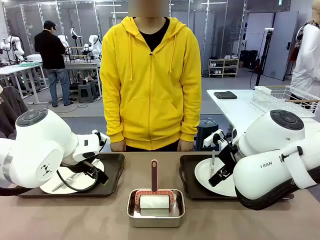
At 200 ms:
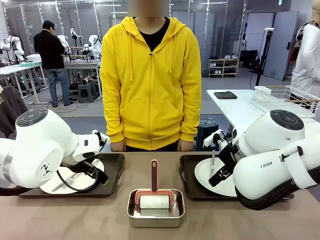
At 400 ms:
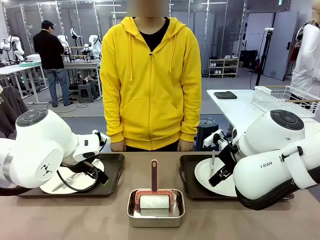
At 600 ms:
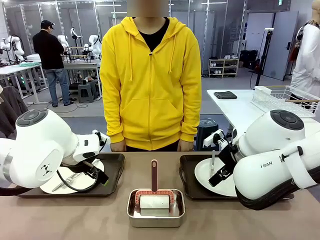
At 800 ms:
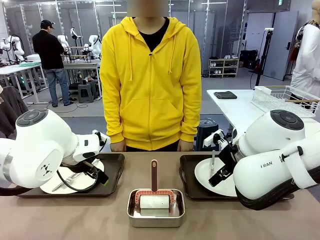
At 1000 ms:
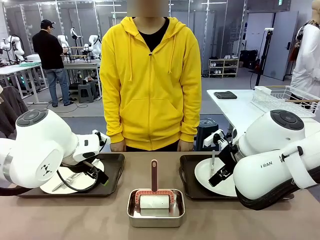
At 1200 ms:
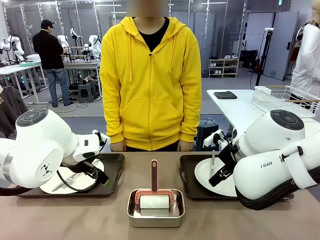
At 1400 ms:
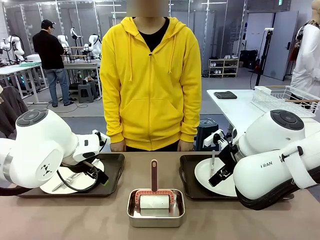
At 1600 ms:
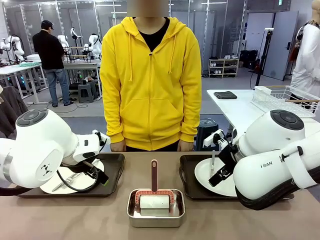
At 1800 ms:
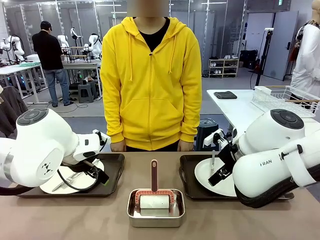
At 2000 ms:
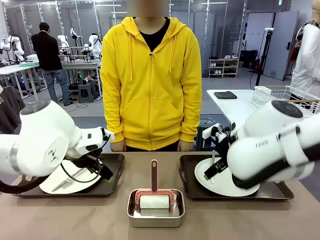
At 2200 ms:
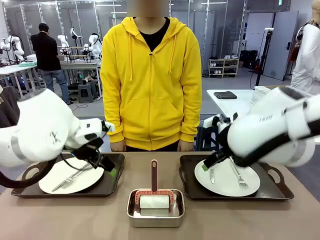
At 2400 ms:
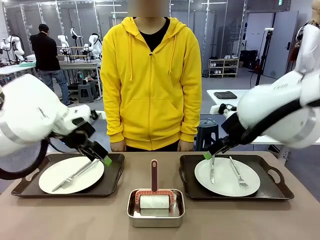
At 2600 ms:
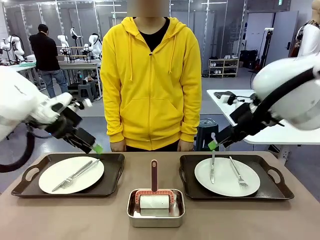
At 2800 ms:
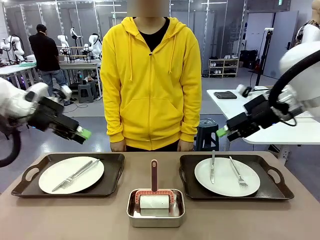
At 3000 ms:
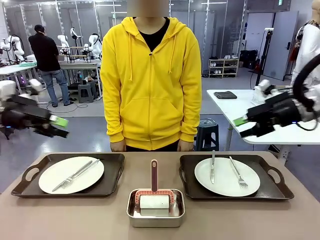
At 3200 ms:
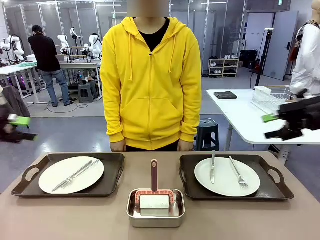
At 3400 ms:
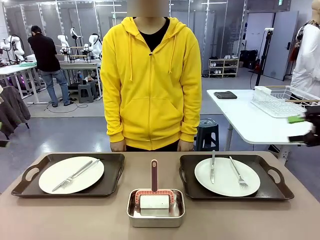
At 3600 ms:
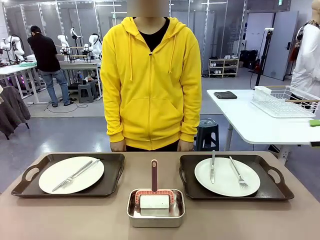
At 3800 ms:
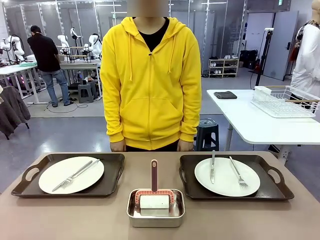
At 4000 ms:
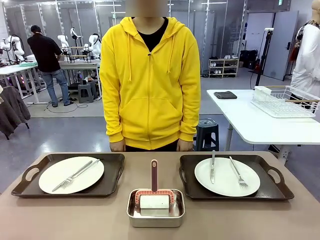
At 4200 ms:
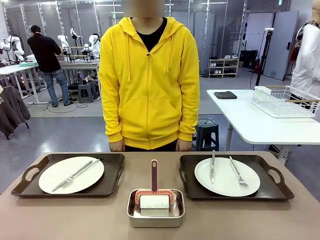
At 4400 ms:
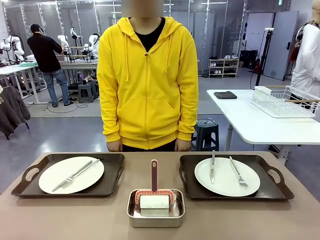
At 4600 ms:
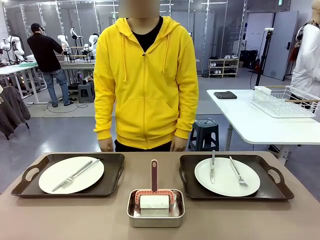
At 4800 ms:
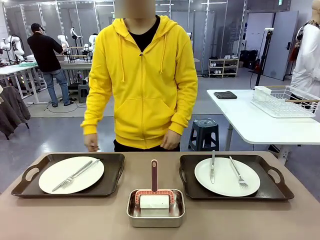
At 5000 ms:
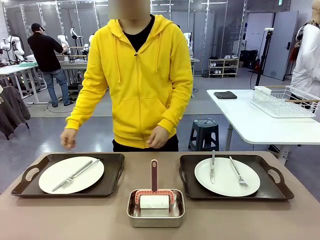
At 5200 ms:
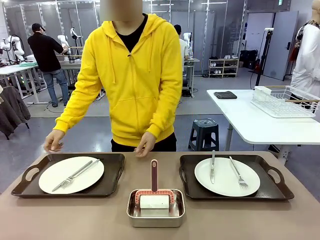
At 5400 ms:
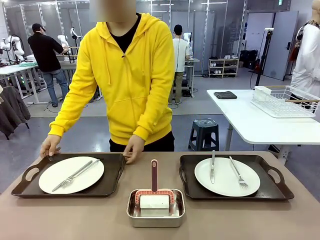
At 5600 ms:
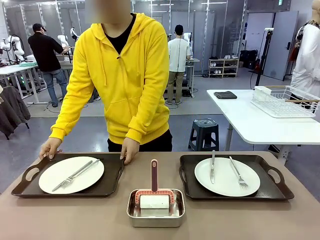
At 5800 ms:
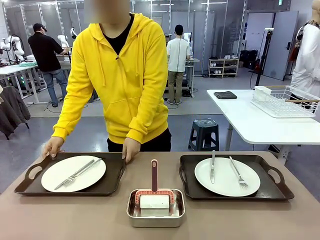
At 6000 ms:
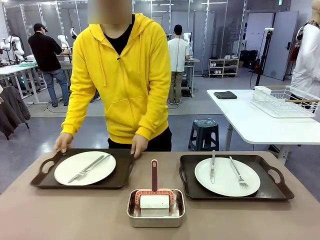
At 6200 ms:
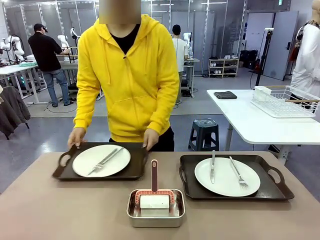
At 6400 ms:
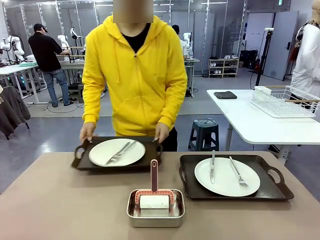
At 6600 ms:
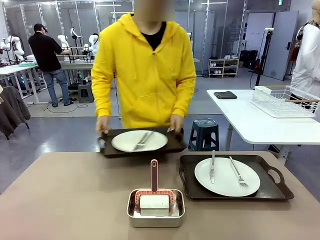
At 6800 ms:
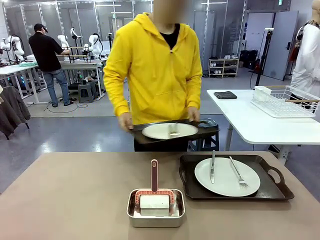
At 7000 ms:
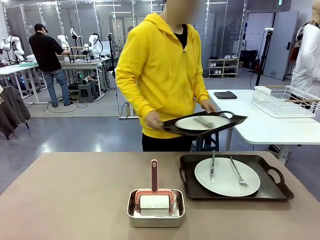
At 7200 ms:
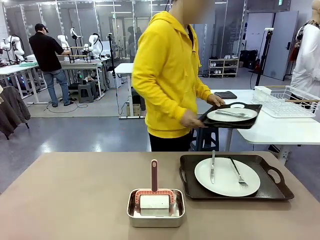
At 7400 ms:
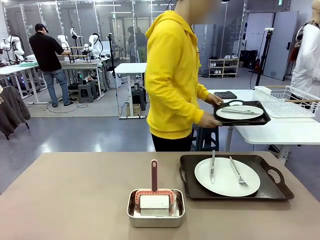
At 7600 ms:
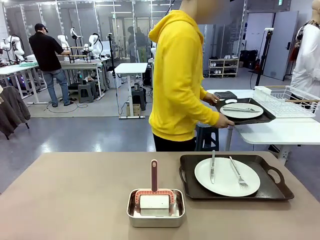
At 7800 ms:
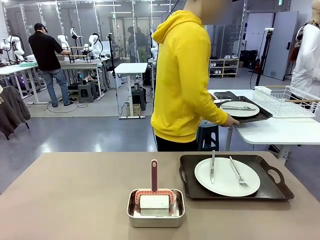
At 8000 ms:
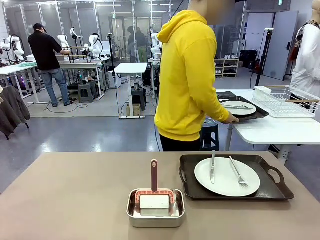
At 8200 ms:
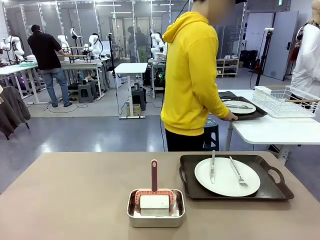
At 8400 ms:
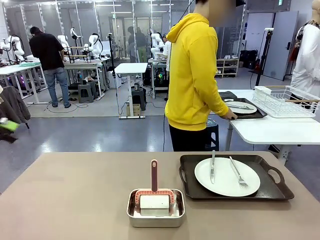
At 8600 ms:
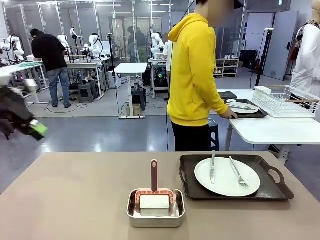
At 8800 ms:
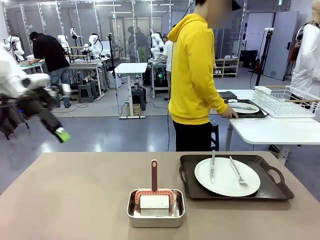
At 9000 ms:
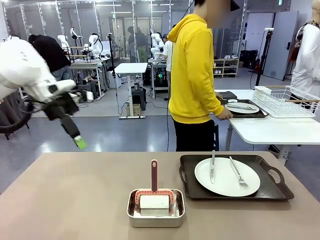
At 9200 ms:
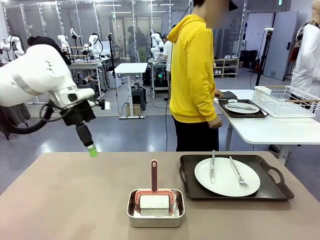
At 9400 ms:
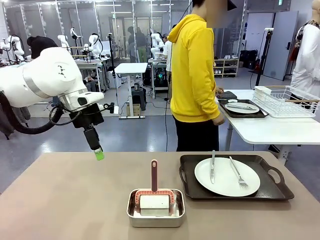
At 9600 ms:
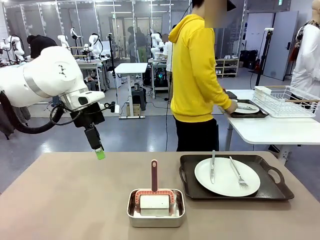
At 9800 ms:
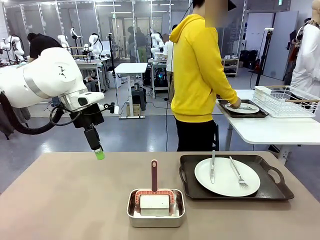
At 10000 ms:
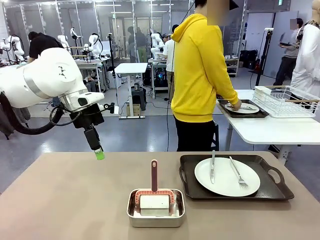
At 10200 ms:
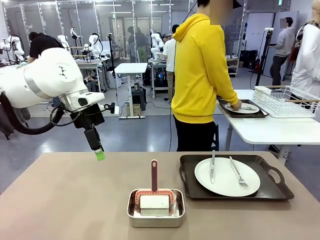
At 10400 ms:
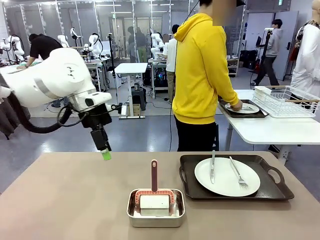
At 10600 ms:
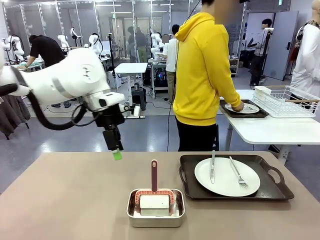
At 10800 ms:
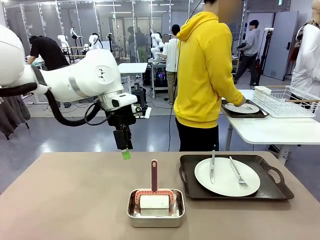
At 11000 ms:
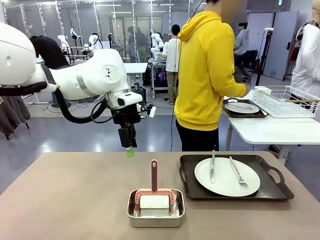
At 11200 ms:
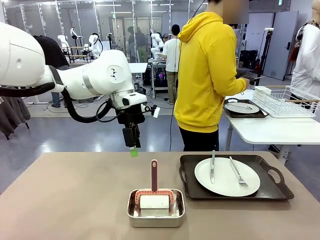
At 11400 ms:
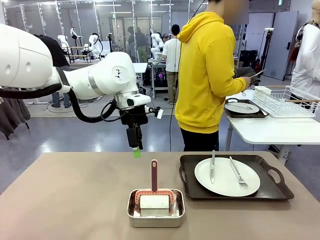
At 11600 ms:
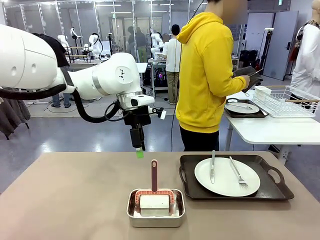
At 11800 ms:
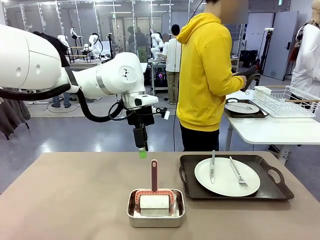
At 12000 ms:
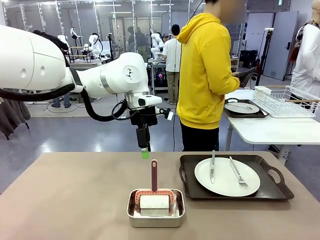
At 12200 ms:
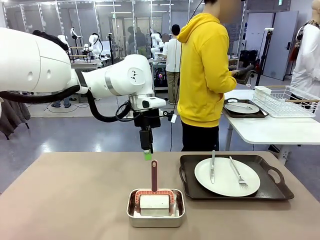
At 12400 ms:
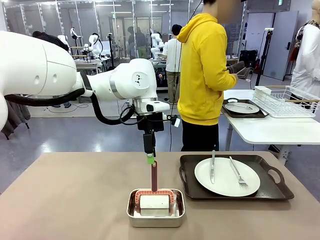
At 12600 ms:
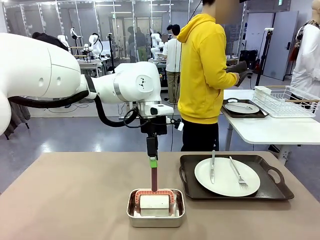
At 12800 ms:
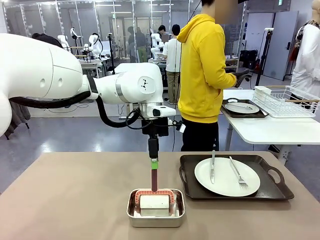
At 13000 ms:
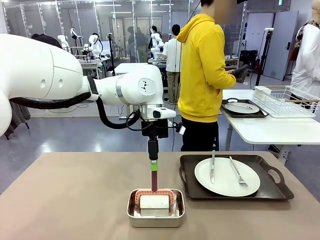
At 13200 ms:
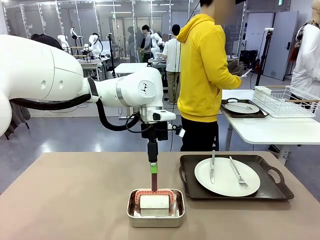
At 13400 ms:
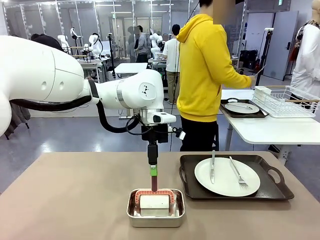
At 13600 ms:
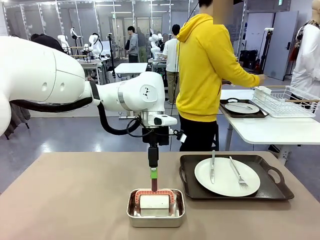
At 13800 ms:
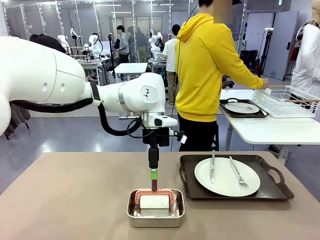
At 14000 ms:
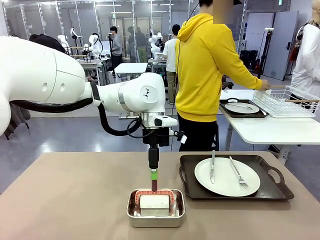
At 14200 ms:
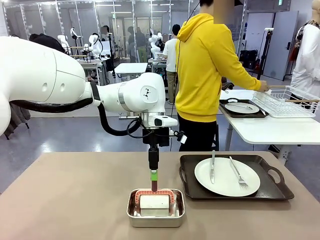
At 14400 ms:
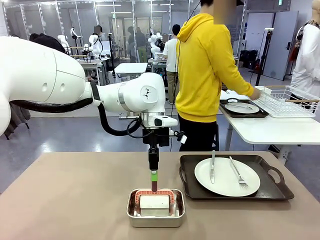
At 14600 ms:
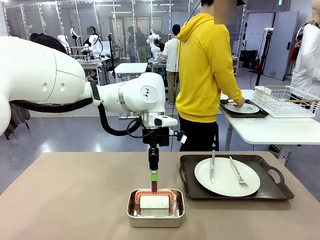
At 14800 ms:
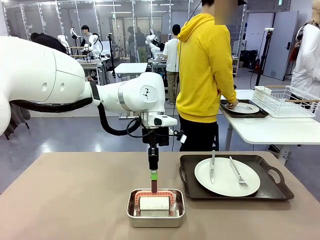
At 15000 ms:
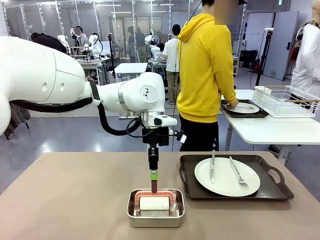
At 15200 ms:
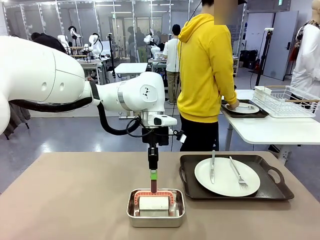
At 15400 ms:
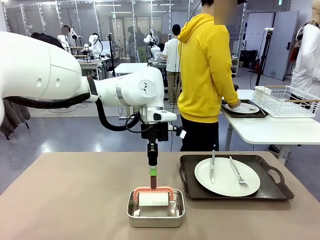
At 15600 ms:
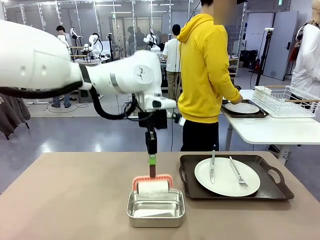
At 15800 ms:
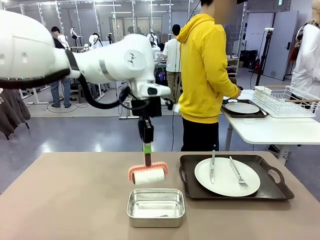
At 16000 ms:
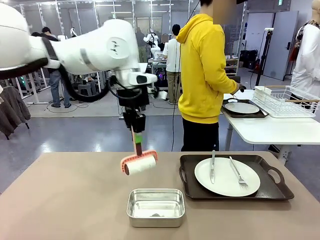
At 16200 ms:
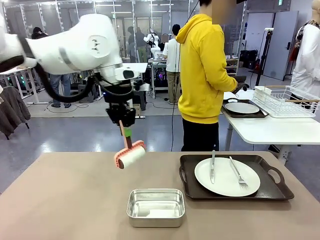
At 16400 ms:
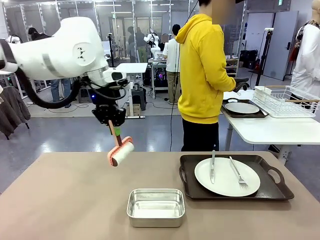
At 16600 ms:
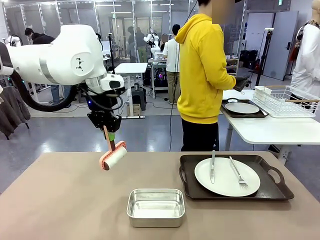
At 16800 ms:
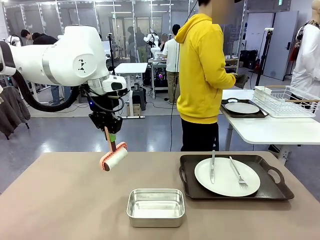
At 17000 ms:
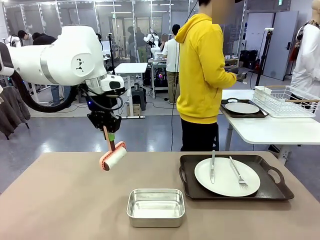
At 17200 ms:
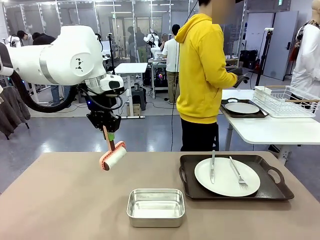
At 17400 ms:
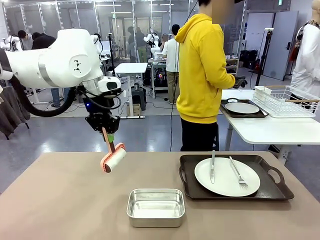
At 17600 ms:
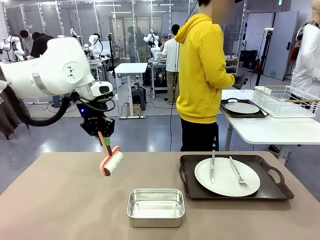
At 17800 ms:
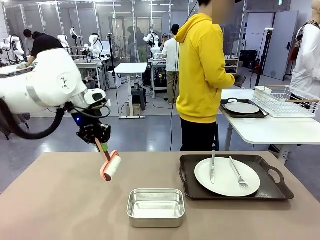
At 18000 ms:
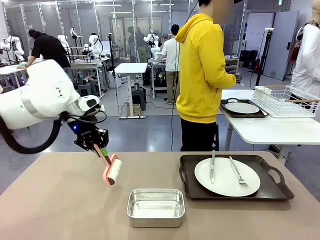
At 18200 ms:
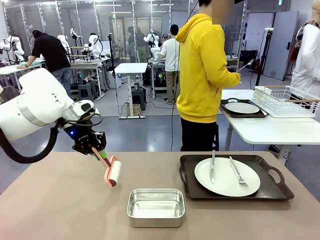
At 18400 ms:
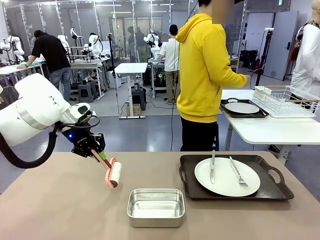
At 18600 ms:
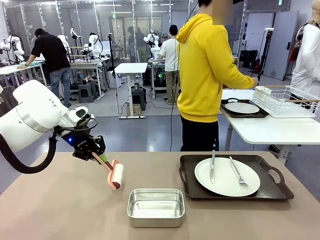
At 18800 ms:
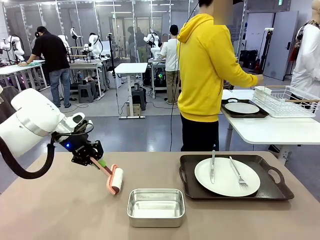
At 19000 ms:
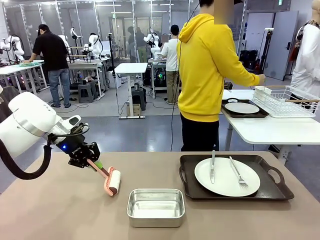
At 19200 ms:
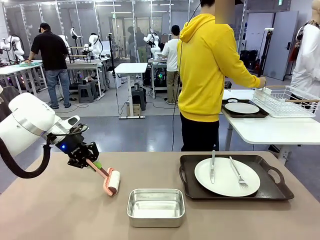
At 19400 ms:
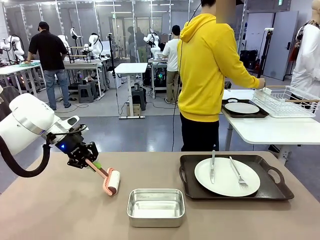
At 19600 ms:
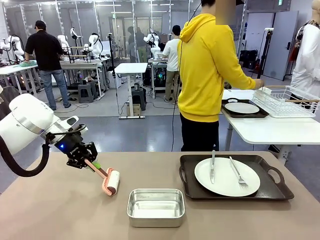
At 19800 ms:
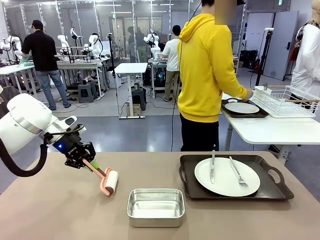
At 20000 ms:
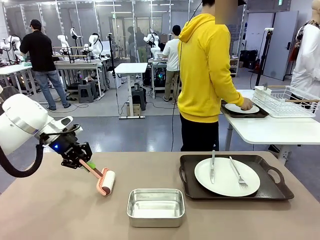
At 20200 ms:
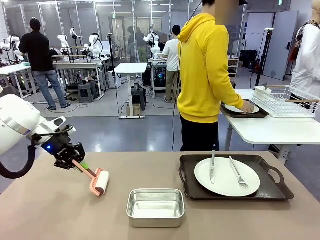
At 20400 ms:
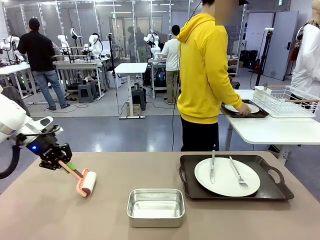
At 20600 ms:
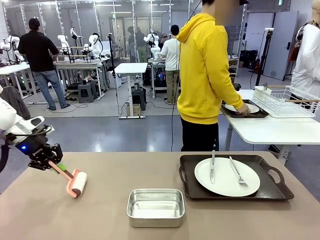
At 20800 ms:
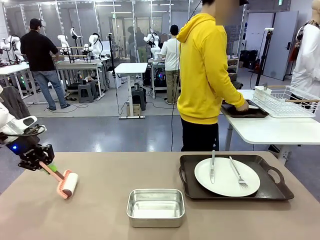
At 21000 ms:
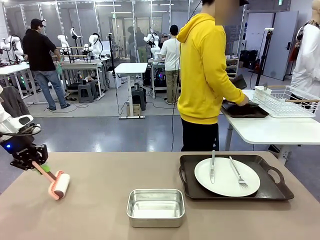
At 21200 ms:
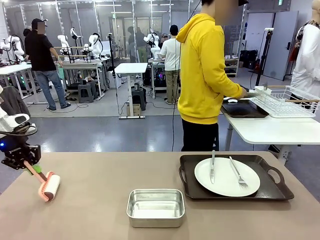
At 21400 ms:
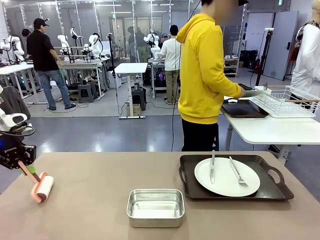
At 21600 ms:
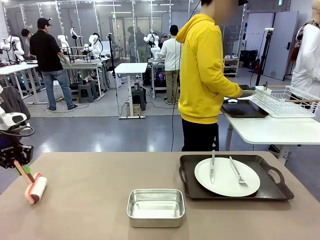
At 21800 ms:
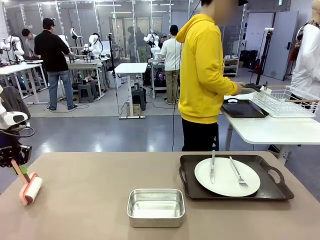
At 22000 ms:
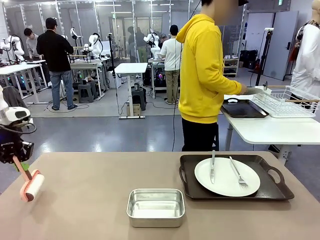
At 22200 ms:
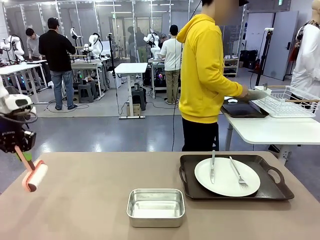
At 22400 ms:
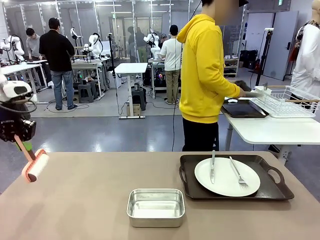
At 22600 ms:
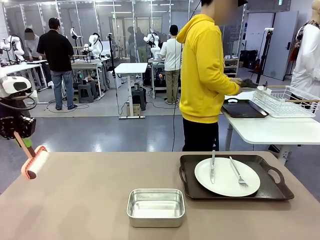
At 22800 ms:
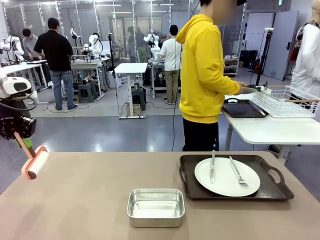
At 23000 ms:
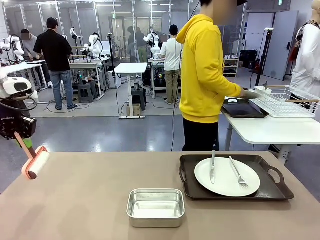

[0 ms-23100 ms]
Robot: When the left (or right) Handle tray is removed, use the left hand (or right hand) to clean the left (or right) side of the table with the Lint Roller.
Person: Pick up the left (or right) Handle tray and place it on the middle of the Human's table. Use the Towel with hook to wipe the Plastic Matte Plate , Fork , and Knife and place into the Dish drying rack.
